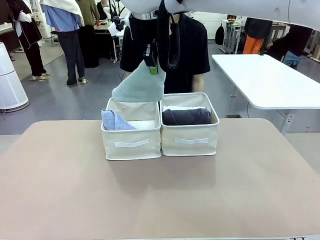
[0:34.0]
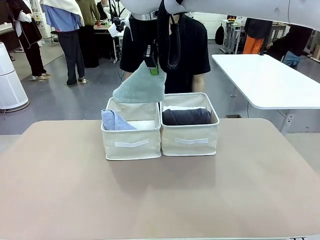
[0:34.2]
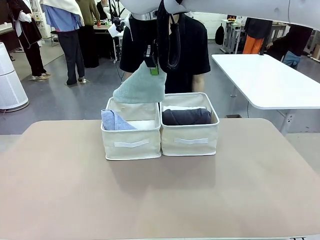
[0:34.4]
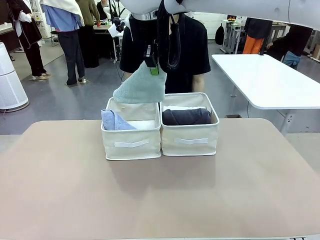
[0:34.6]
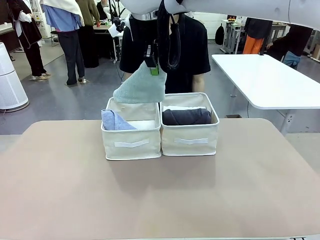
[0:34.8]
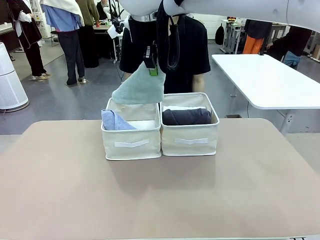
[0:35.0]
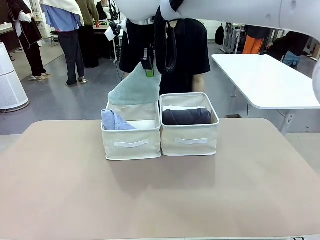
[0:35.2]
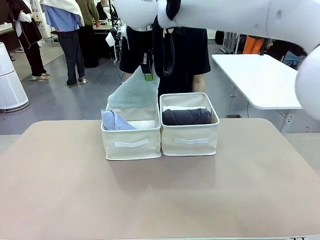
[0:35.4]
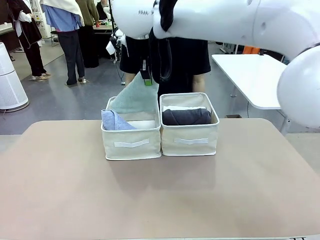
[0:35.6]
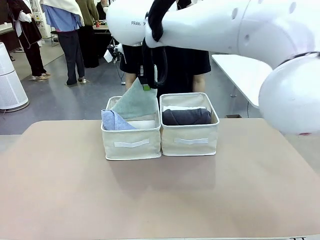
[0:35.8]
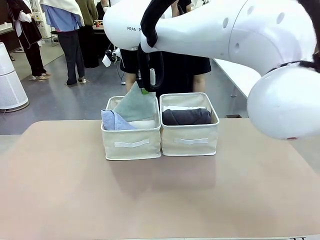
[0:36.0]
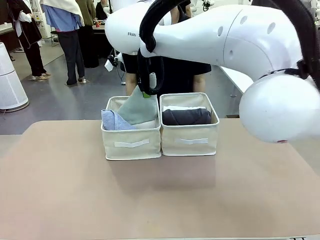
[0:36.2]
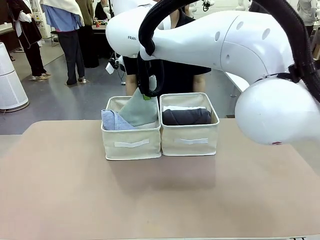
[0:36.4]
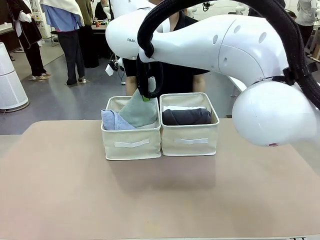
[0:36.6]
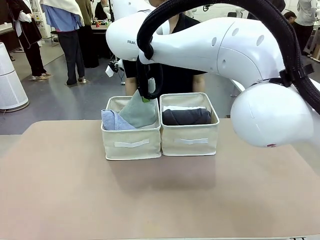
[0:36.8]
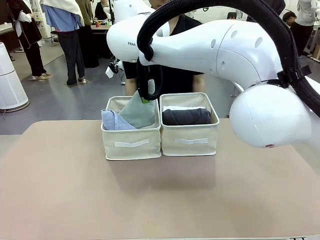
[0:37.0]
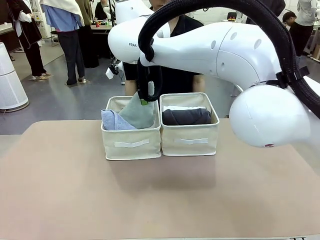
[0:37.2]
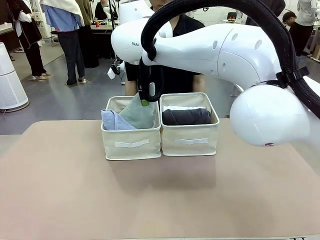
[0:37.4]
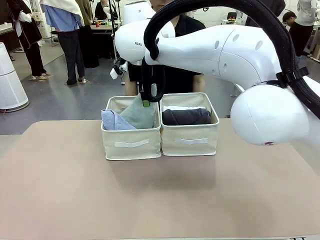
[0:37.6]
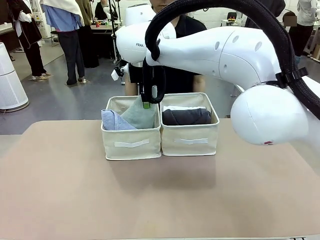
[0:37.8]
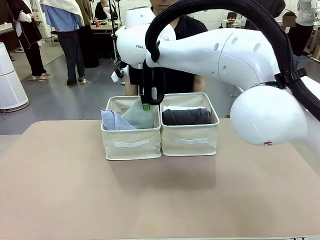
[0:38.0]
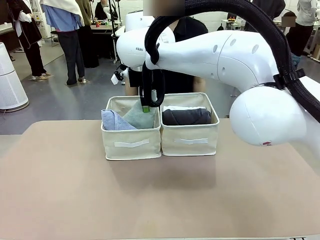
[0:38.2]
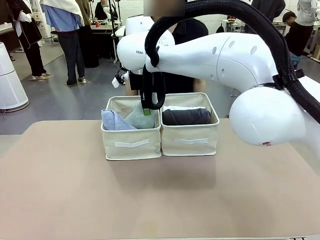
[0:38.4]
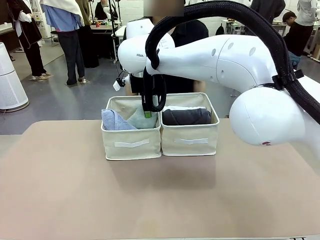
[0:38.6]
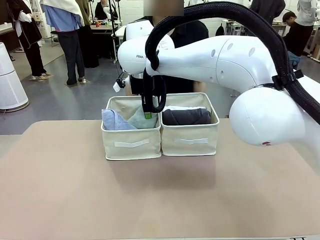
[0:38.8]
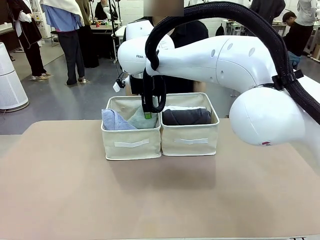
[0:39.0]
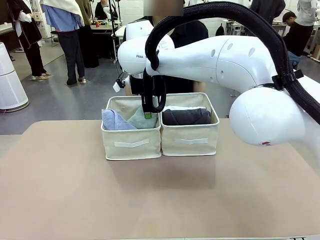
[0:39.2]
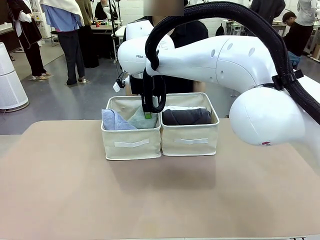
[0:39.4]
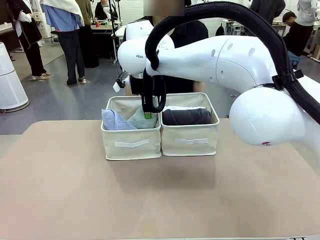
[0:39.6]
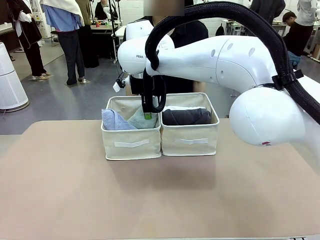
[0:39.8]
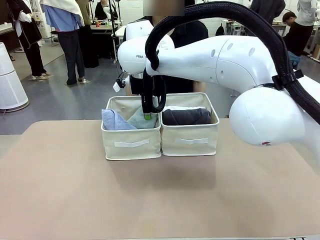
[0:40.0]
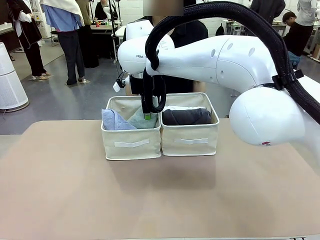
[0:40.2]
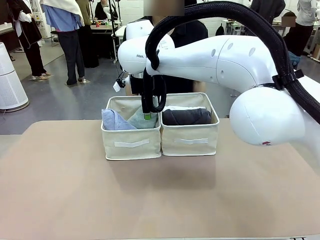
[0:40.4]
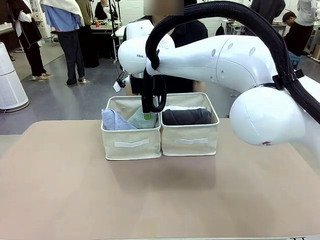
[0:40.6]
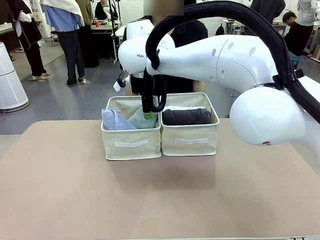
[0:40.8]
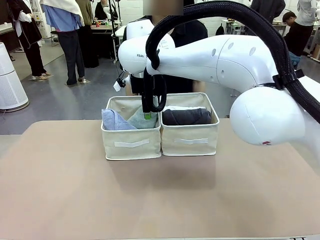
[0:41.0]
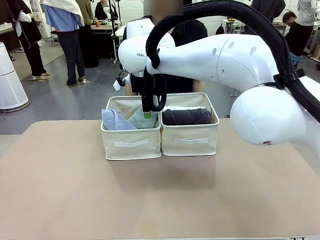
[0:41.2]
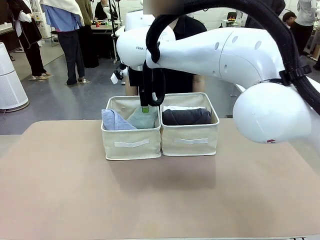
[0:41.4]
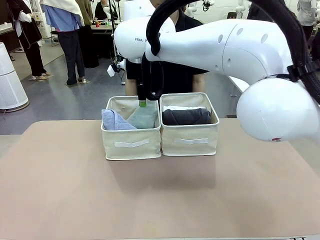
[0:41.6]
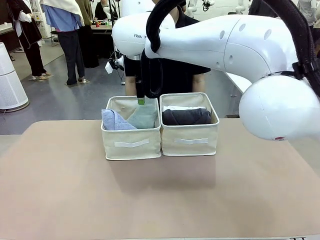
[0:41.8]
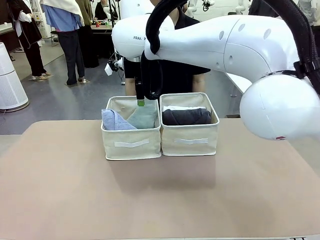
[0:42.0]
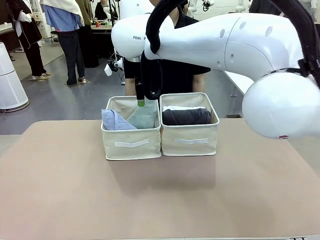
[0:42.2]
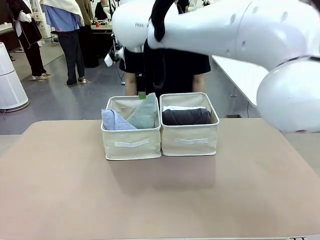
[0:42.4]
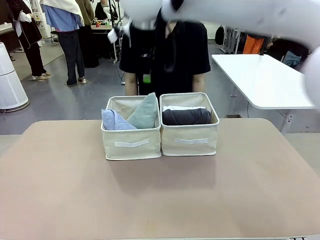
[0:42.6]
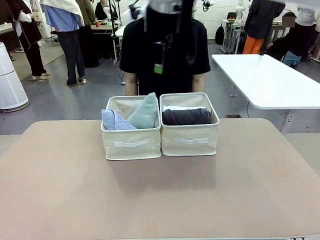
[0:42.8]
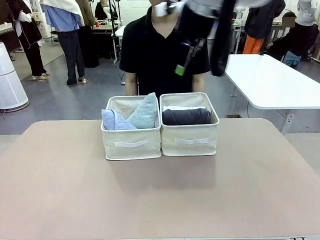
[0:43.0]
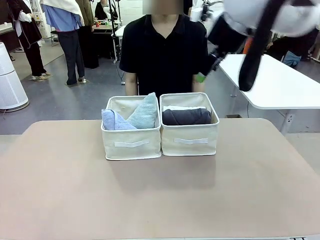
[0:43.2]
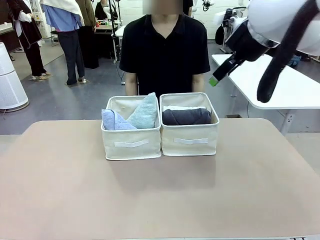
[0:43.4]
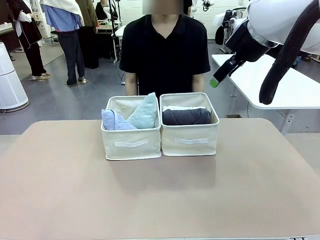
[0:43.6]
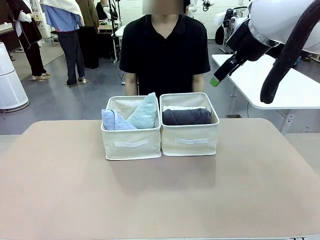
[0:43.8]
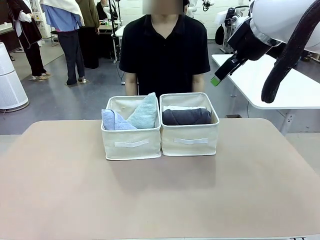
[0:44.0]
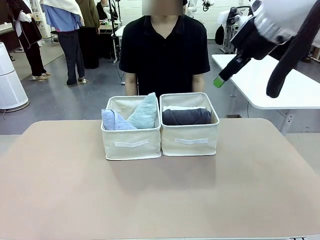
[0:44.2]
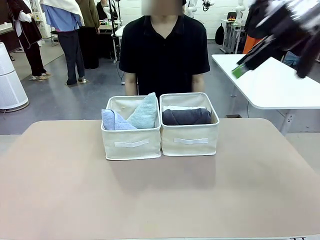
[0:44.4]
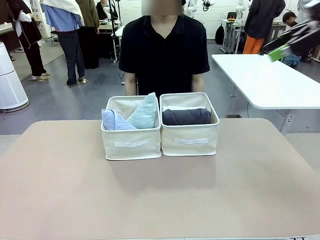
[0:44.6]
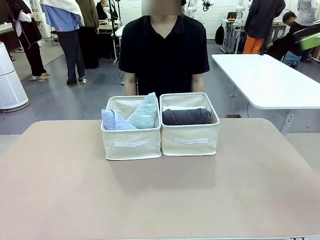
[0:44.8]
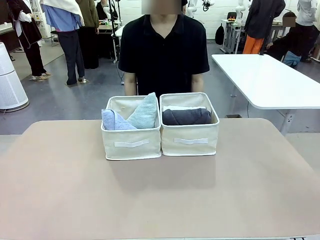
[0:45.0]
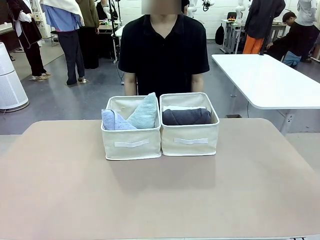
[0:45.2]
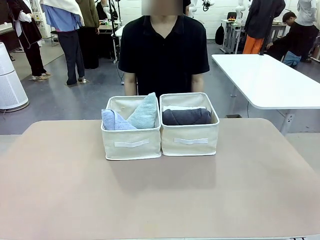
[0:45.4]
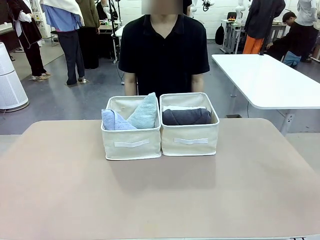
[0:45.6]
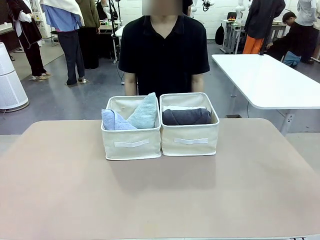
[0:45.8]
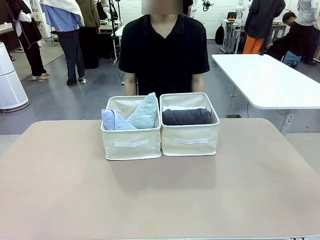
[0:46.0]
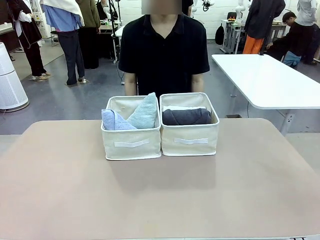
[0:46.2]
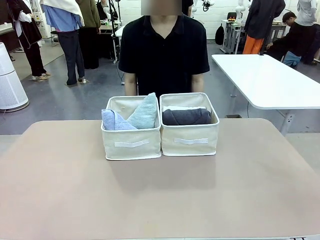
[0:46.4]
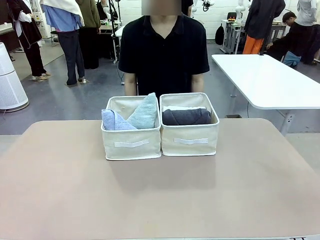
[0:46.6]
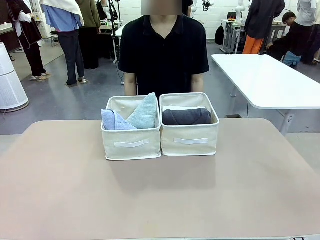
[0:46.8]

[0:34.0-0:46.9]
Task: Sort the towels based on their folding style.
Robot: Pick up another triangle-folded towel from the table and place it in the left Fabric basket.
